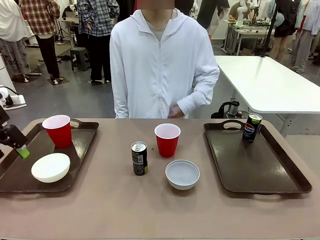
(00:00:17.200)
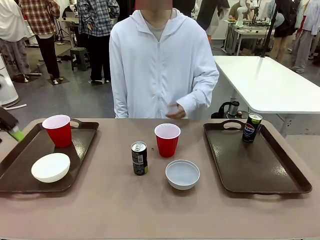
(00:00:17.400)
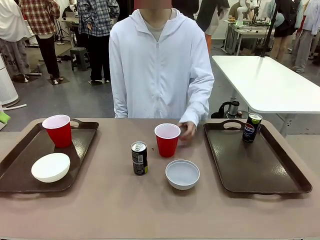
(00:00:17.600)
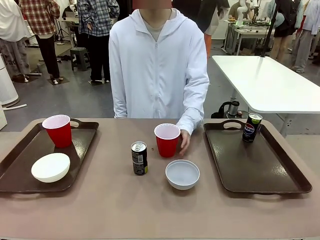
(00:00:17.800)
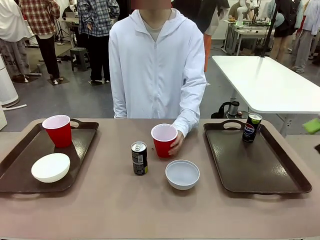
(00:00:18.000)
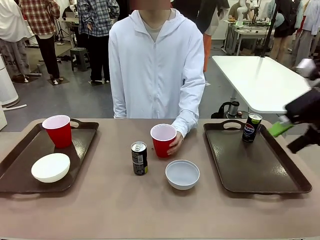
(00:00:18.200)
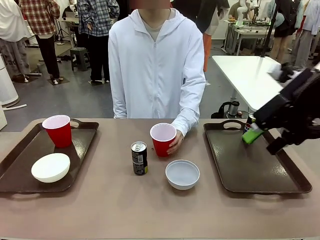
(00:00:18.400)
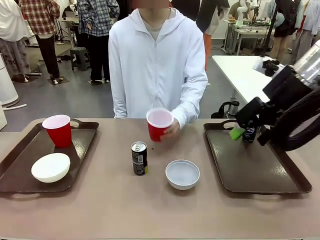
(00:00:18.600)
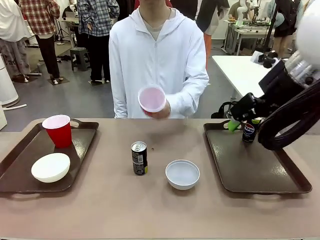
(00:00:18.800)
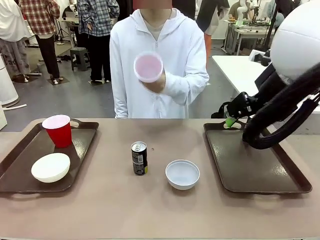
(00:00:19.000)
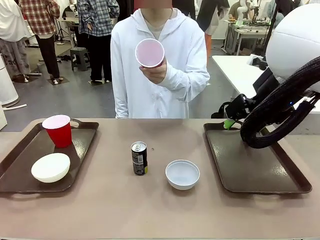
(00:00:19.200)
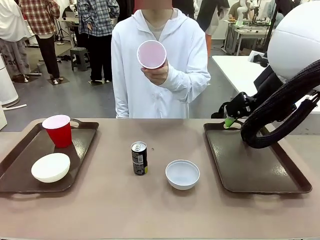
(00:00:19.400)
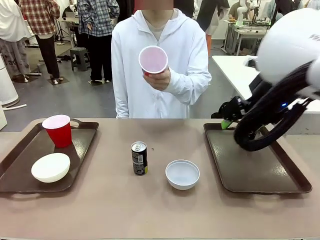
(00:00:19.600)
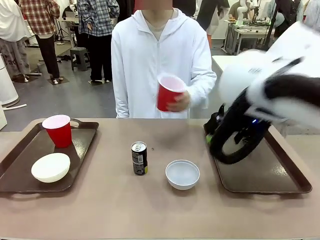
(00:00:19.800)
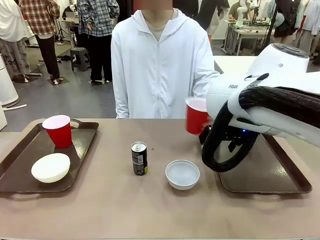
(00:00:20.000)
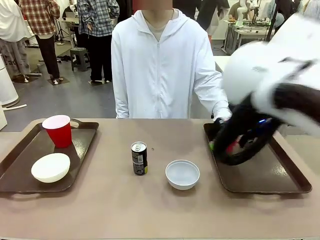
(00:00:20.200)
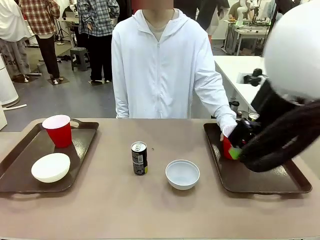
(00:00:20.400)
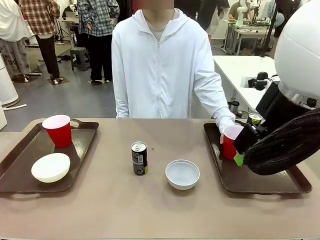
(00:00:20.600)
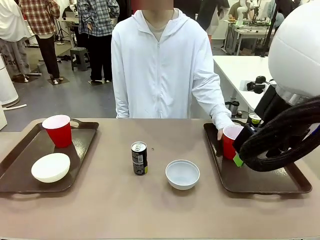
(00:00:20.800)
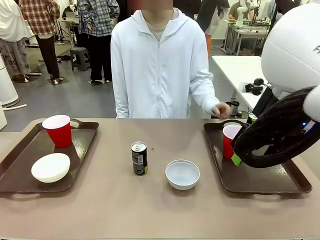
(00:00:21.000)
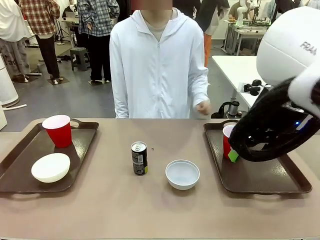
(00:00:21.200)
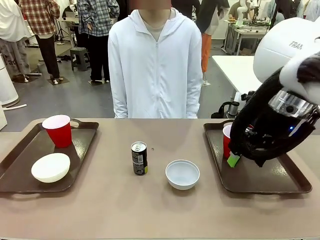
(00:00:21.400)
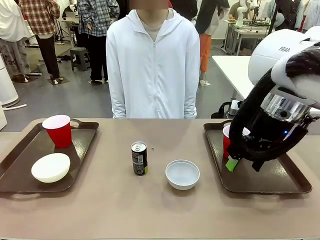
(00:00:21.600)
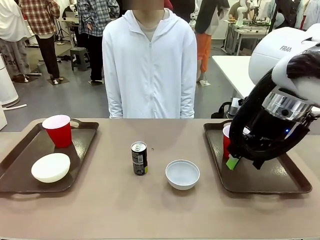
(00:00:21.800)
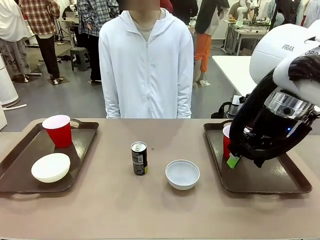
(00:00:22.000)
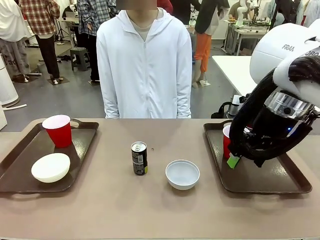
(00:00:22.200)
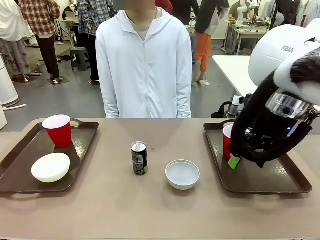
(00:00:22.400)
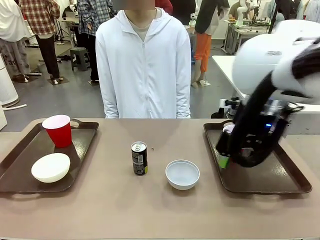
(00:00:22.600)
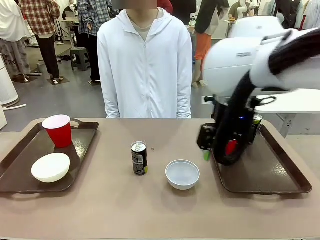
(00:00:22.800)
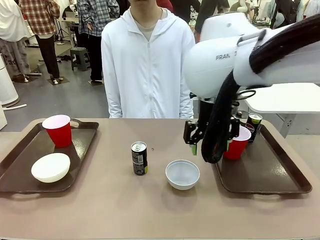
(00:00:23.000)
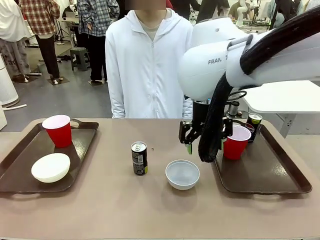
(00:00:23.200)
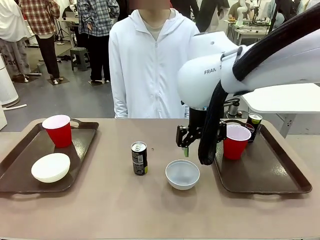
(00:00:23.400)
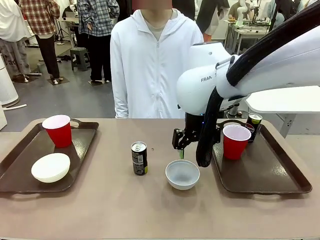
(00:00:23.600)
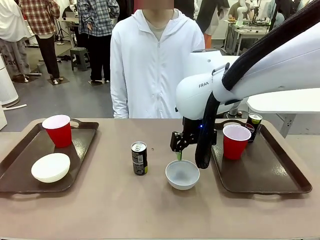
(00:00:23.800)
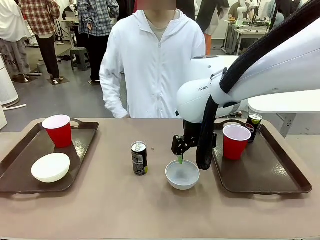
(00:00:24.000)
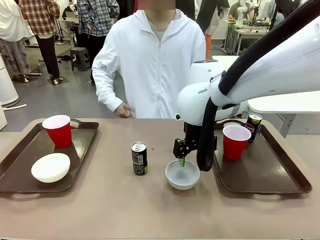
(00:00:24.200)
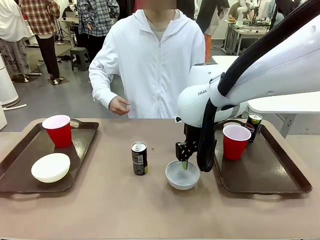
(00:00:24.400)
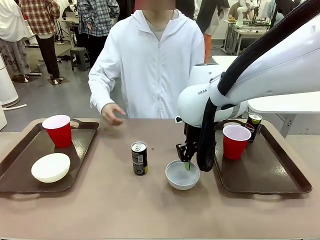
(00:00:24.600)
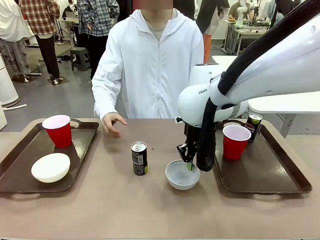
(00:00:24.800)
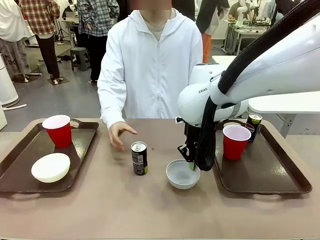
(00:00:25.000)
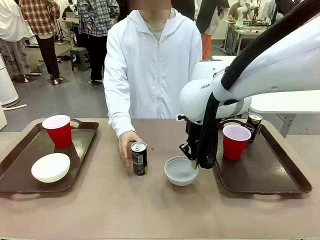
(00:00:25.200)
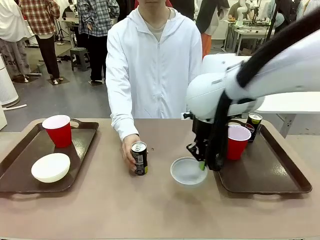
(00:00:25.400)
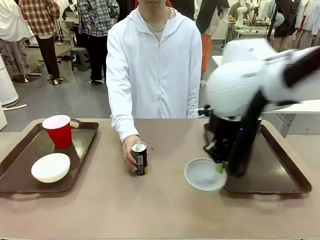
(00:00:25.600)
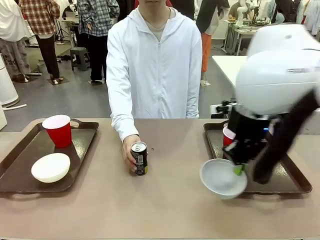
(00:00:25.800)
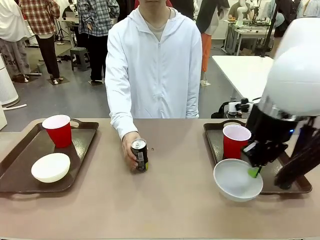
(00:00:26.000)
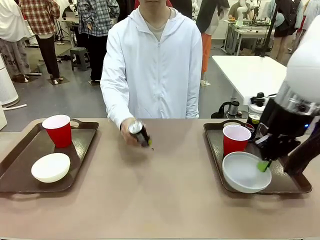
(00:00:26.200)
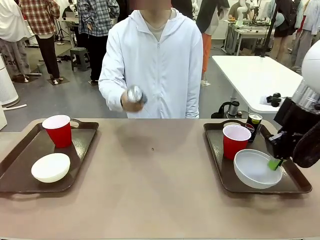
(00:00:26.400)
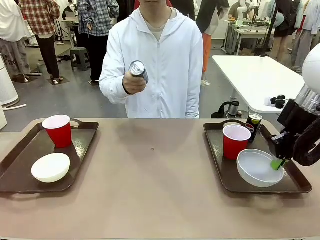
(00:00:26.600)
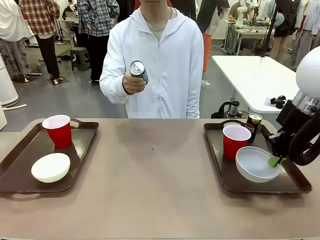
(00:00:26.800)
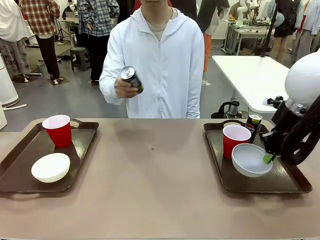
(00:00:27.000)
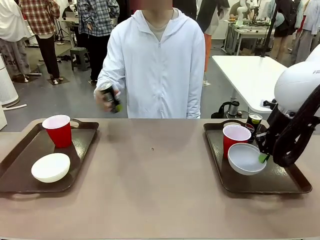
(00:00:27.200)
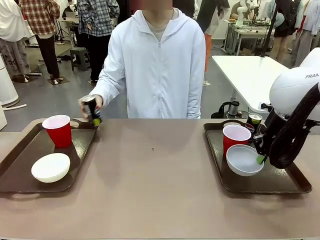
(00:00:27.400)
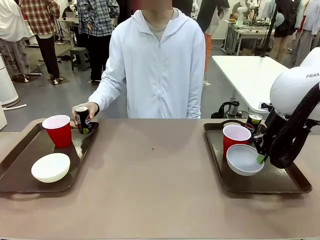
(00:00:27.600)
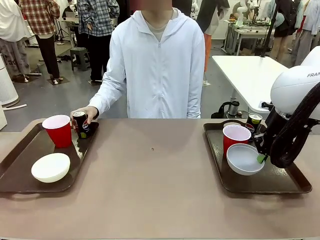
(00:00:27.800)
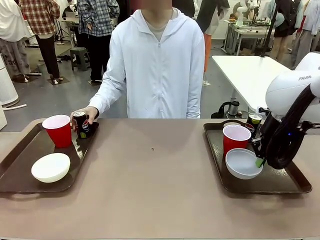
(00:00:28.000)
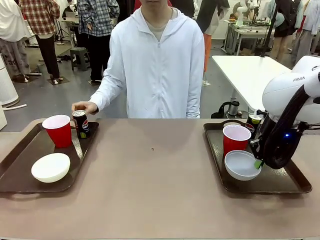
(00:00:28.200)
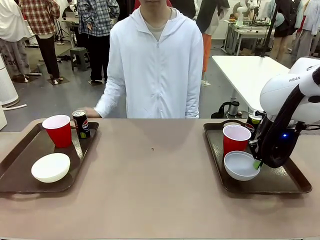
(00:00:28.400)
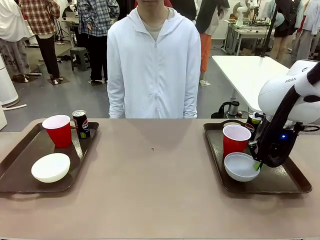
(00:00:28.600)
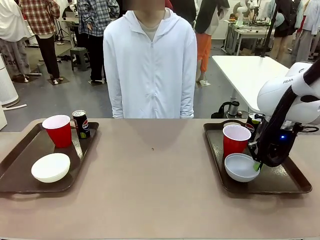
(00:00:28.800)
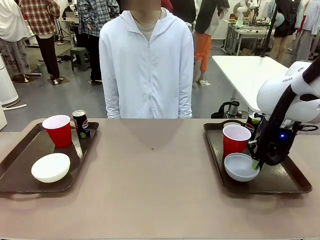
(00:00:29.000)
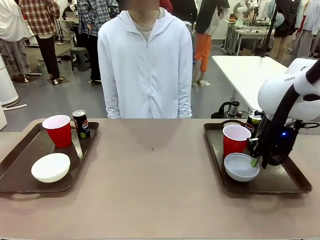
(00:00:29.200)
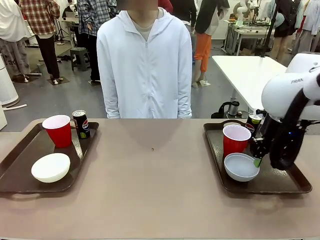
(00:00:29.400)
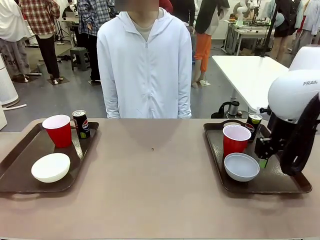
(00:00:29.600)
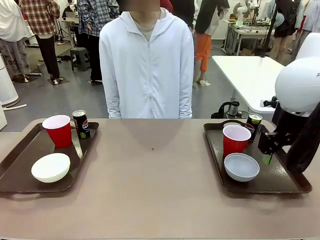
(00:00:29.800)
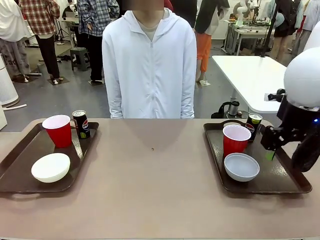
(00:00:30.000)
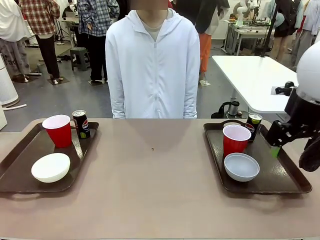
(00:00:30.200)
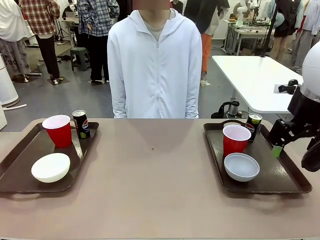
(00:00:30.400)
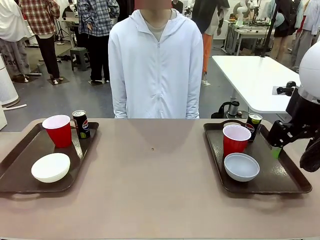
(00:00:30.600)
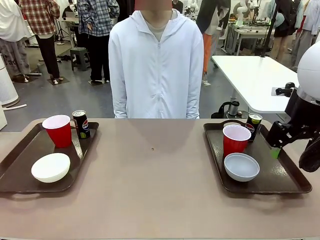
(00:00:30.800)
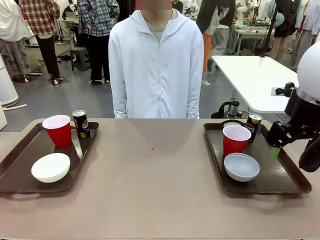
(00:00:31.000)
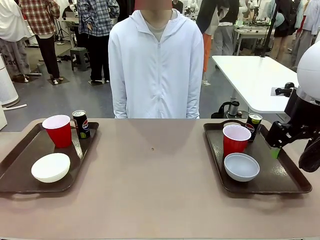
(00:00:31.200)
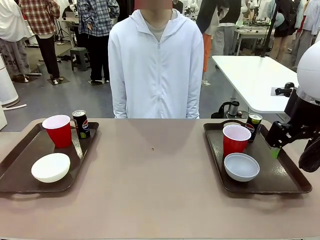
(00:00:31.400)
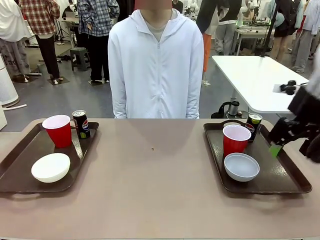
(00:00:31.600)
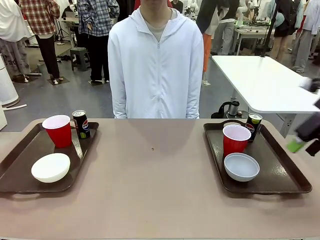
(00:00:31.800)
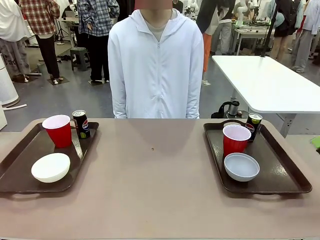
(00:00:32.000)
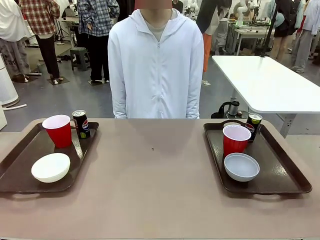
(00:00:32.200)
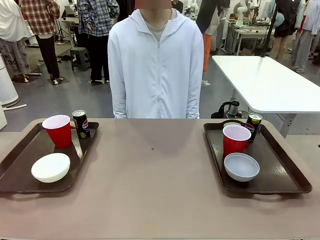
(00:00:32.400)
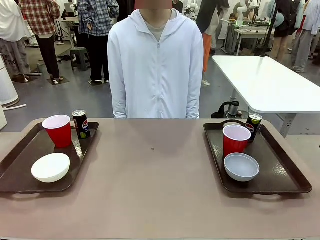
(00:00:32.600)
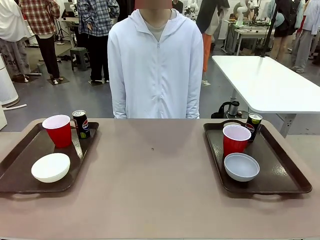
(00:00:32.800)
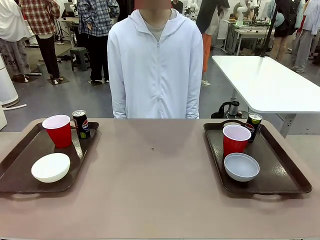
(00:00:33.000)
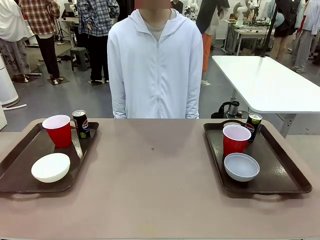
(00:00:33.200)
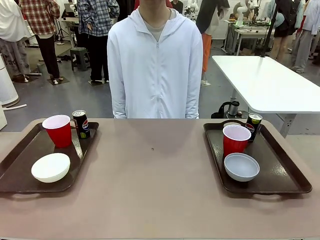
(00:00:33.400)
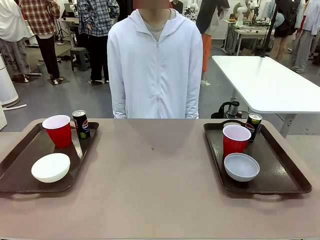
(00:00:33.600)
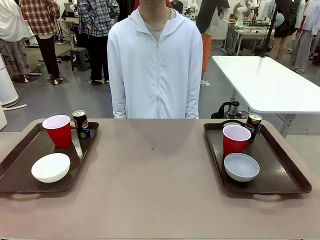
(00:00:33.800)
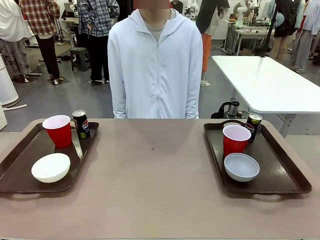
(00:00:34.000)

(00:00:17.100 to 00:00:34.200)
Task: Prepare tableware on both trays.
Robot: Pick up a Picnic Bowl from the table and place it on a Handle tray.
Person: Pick up a can or cup and place it on the tray without a can or cup.
